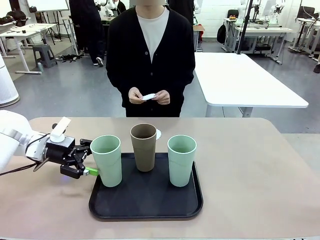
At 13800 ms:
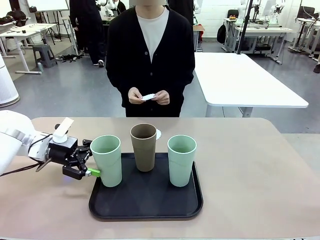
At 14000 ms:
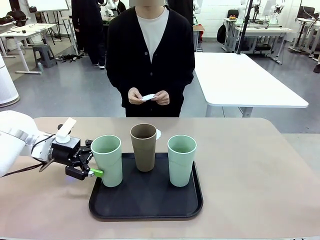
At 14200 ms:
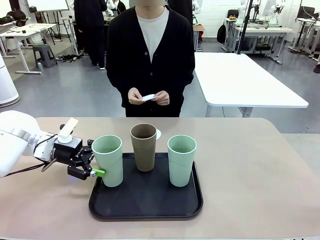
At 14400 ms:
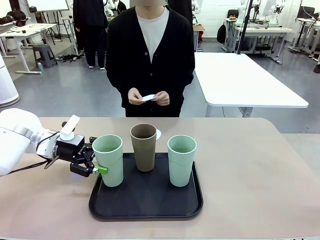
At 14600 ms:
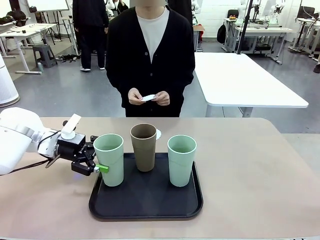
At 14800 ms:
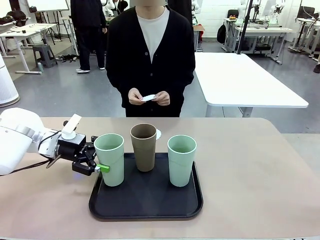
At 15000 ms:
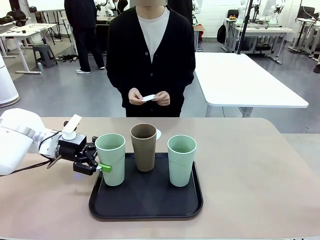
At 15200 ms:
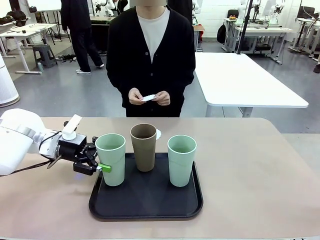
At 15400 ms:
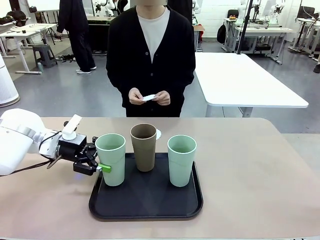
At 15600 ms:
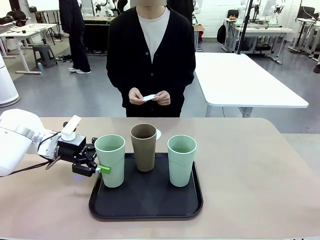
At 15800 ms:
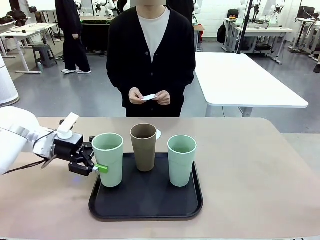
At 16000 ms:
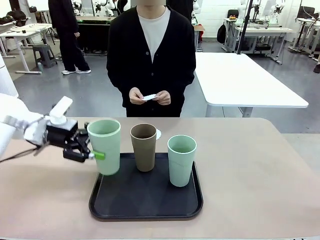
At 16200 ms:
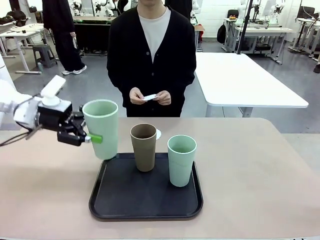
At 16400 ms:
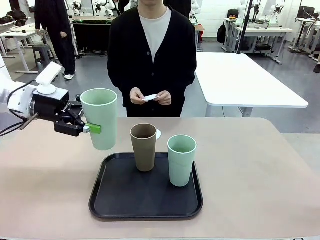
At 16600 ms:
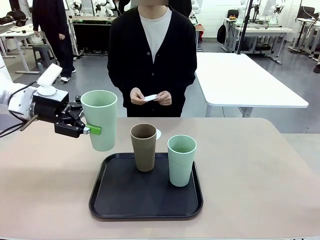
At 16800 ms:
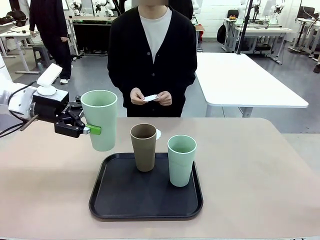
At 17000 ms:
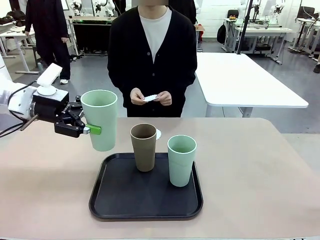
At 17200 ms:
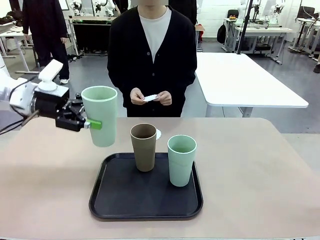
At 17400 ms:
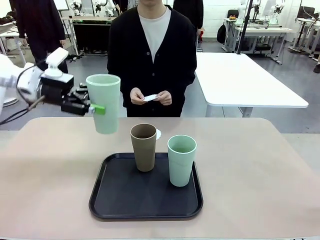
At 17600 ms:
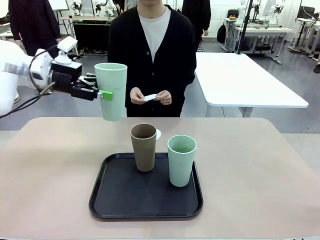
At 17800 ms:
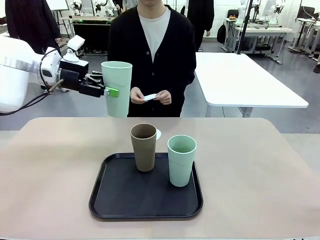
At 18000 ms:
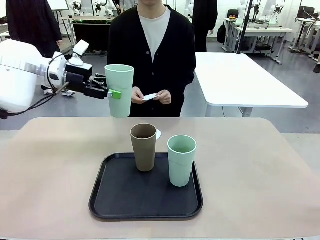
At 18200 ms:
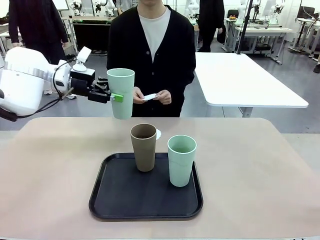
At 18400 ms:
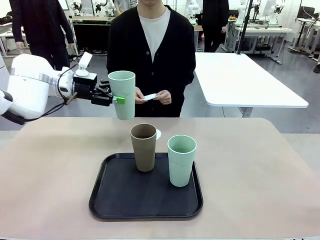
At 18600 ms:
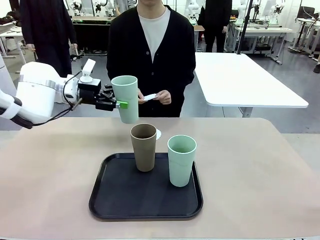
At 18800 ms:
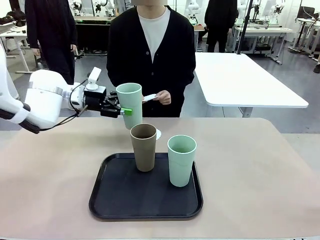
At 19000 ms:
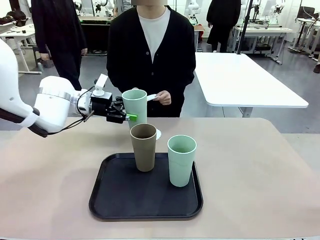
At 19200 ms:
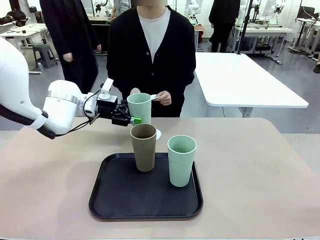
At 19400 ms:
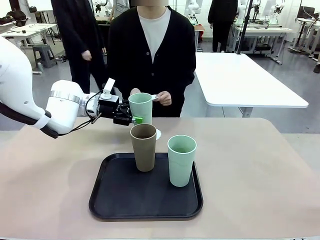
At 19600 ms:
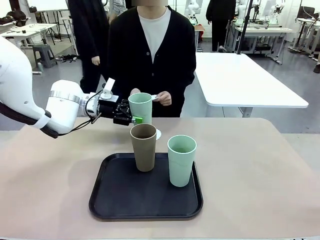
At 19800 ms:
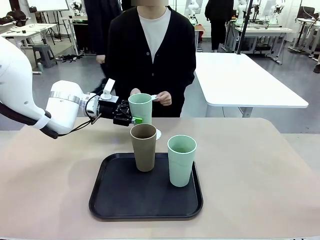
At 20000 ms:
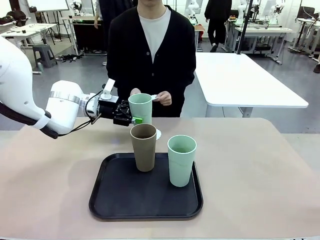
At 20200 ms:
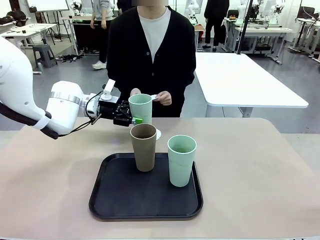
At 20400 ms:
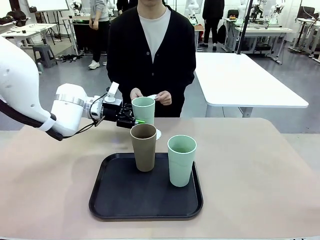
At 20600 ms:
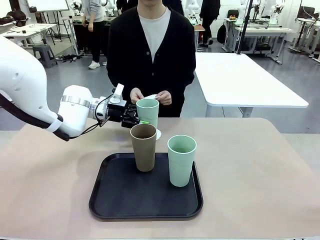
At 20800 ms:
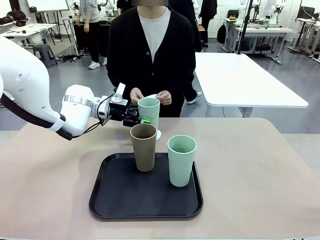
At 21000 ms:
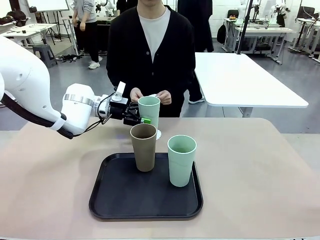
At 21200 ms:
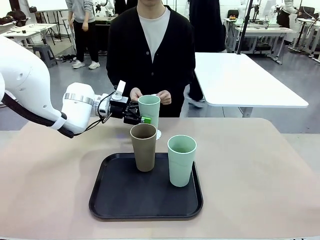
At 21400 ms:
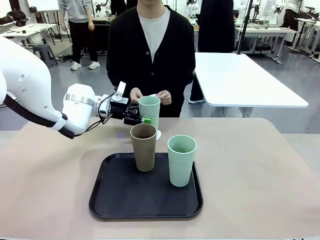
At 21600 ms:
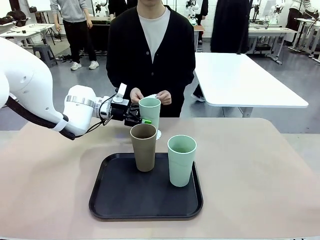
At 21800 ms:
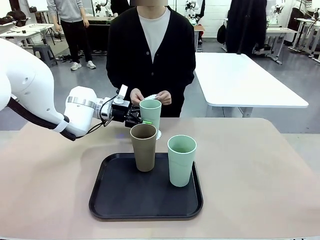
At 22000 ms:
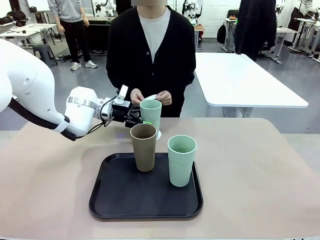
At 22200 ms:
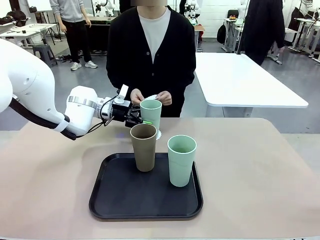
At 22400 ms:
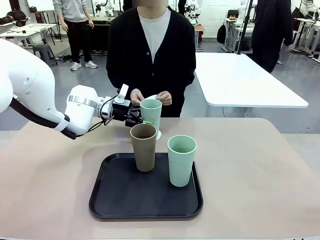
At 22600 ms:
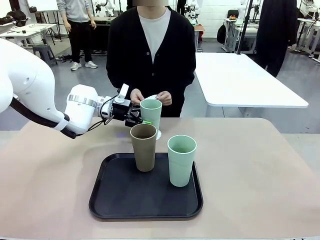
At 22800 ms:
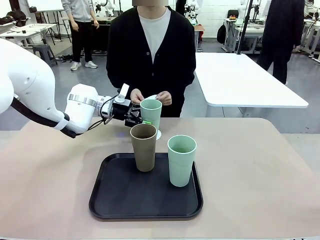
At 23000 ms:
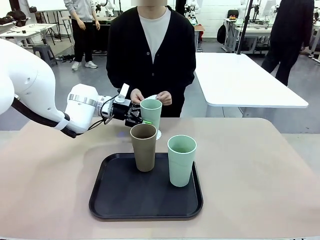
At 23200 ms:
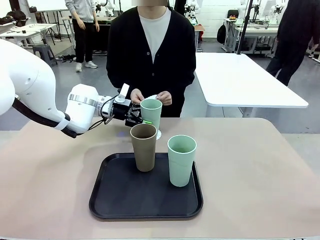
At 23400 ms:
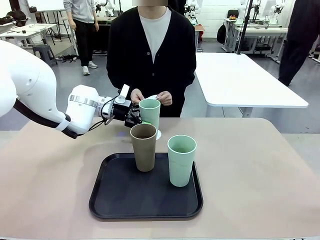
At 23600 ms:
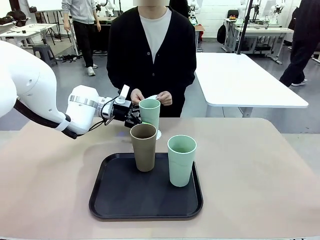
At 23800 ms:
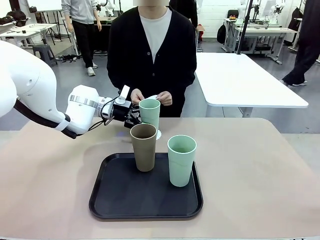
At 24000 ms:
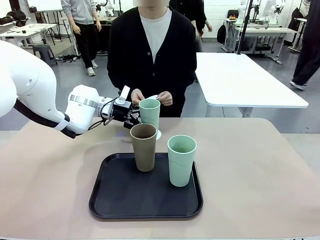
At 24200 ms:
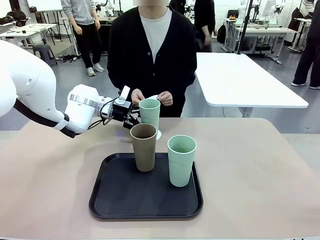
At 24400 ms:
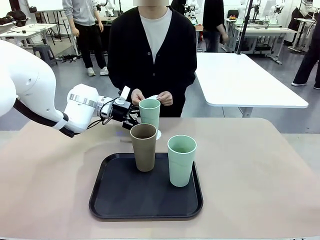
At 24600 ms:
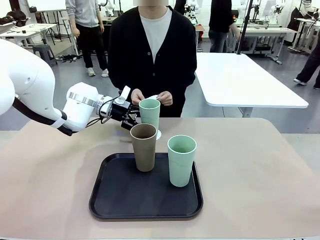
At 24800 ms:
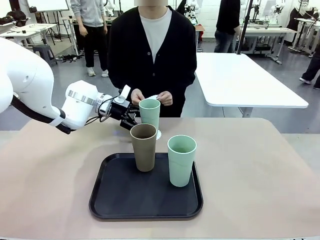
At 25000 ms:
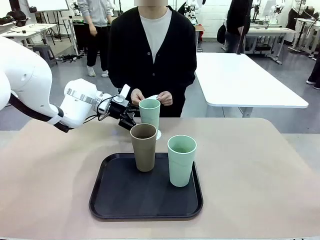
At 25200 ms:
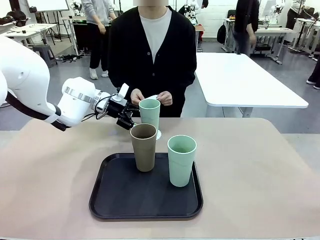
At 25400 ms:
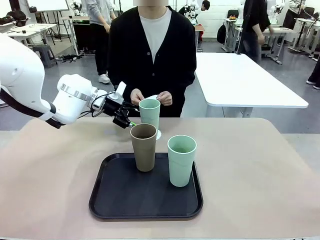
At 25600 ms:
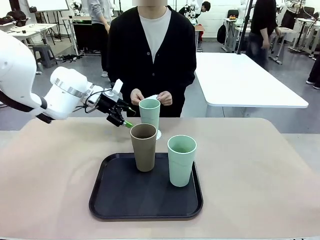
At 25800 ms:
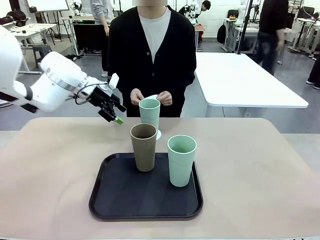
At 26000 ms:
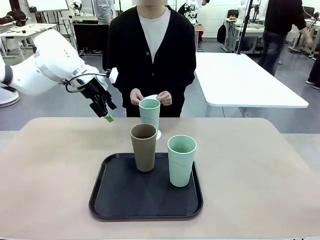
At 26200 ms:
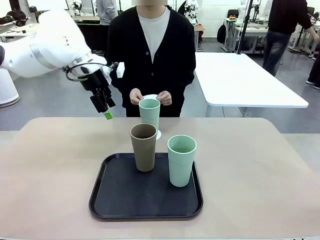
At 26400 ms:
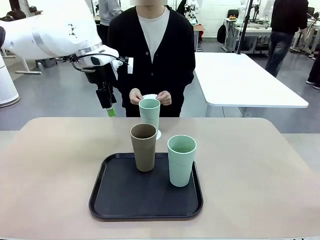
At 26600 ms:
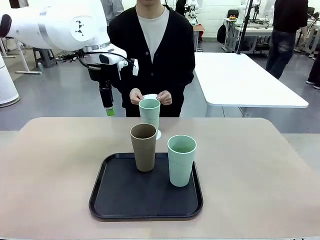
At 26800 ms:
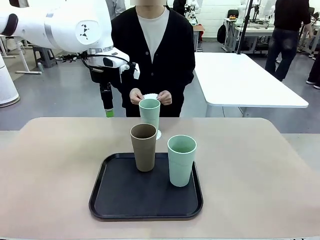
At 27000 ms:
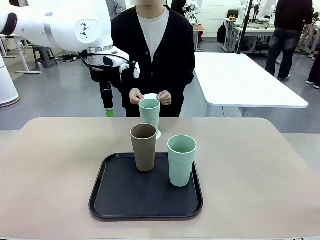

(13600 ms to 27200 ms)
Task: Place coasters on the table and set cups on them.
Robot: Pick up one Reusable plastic cup and place it on a coaster set by the human.
Person: Place one coaster in one of the two areas excluding the previously selected area.
